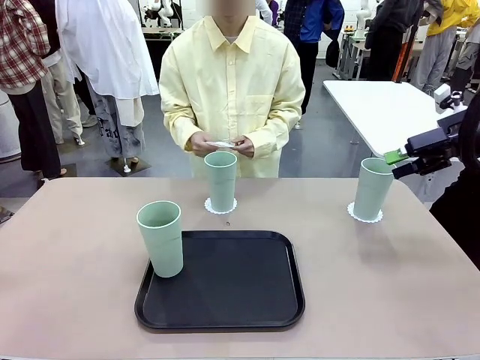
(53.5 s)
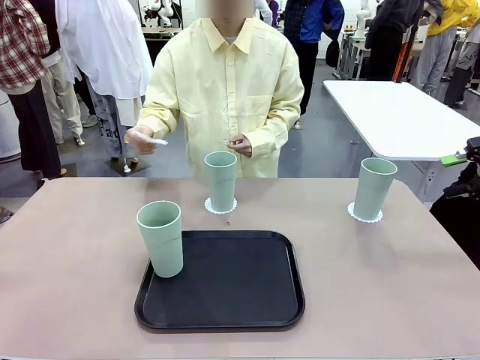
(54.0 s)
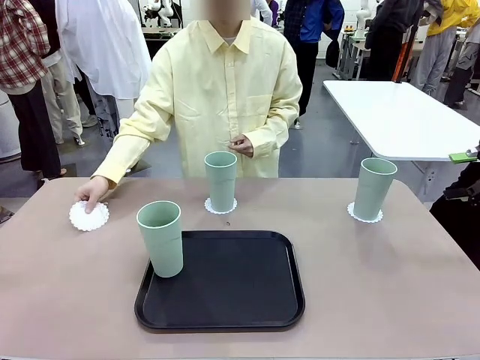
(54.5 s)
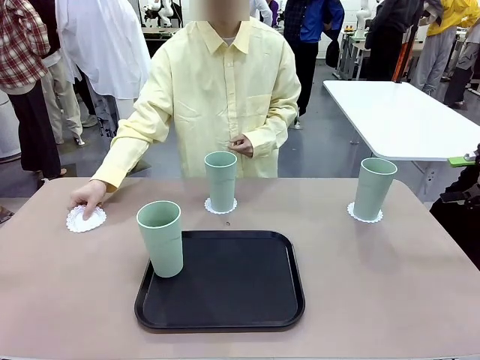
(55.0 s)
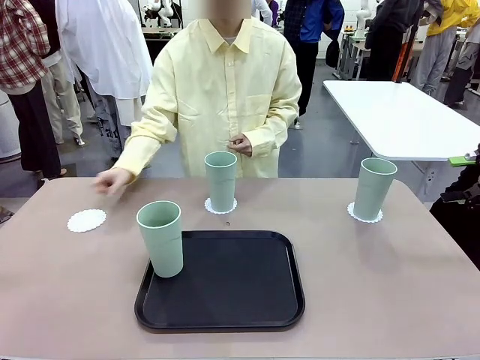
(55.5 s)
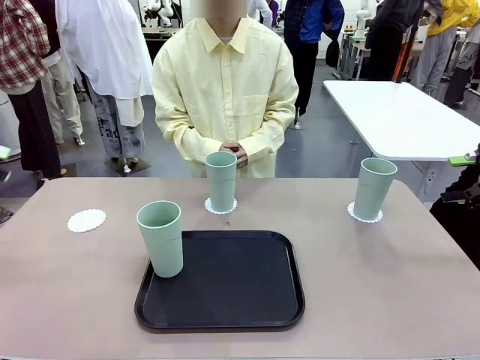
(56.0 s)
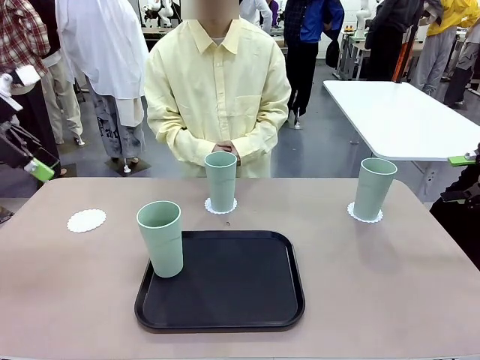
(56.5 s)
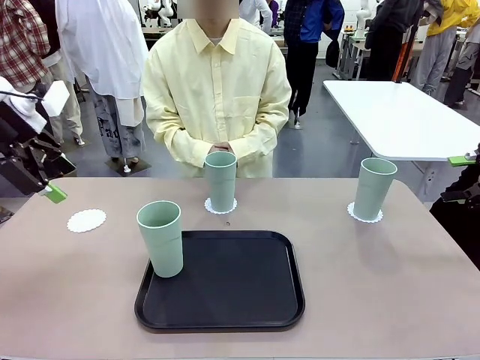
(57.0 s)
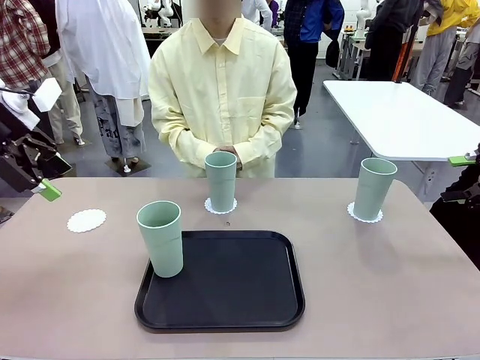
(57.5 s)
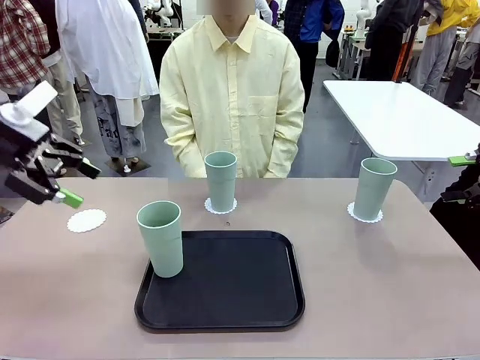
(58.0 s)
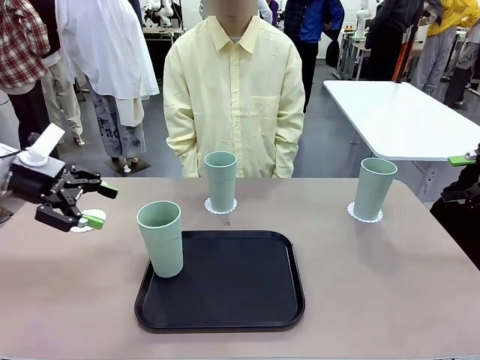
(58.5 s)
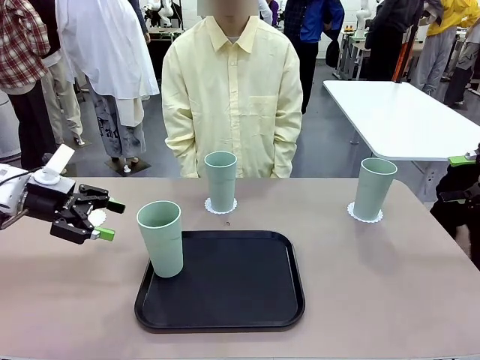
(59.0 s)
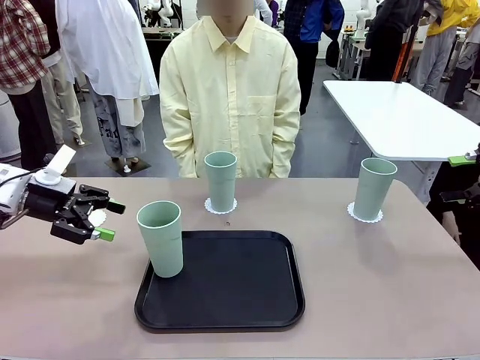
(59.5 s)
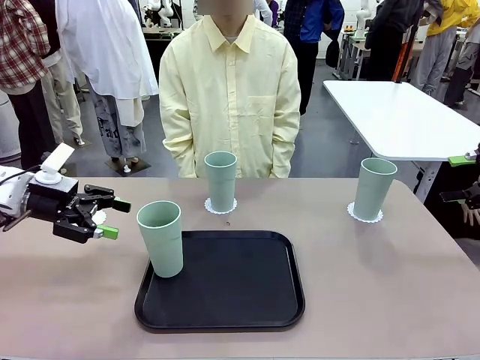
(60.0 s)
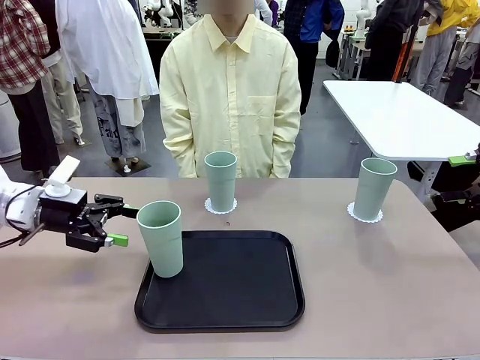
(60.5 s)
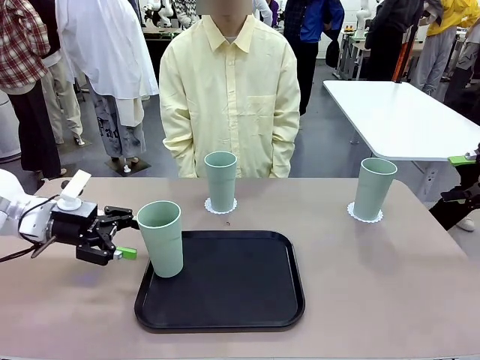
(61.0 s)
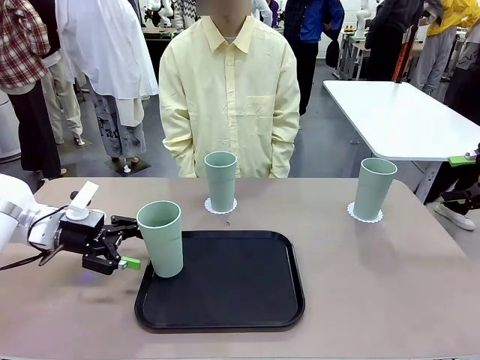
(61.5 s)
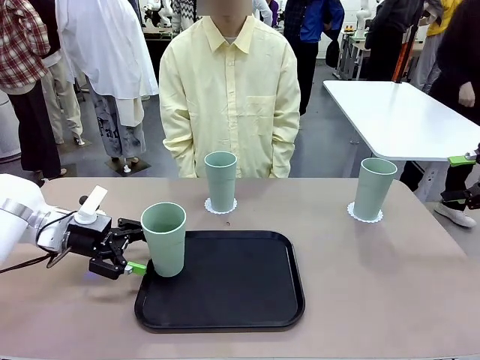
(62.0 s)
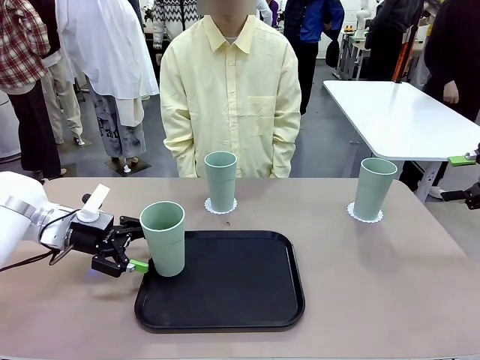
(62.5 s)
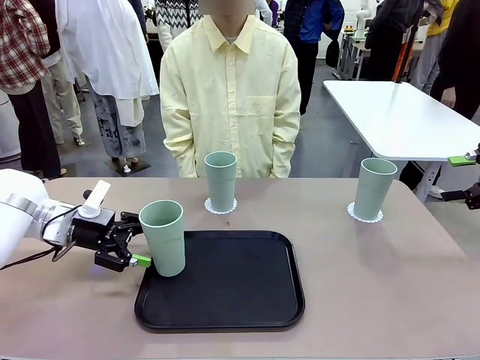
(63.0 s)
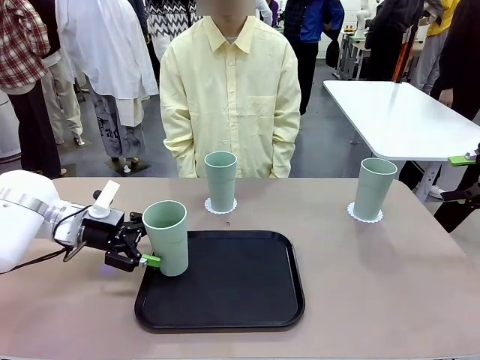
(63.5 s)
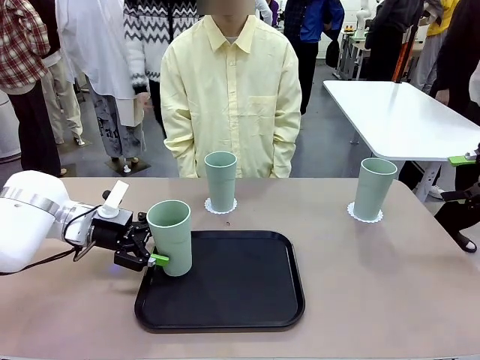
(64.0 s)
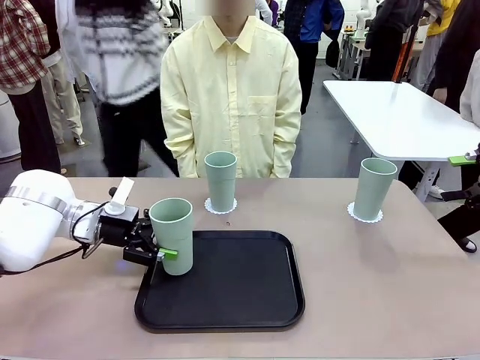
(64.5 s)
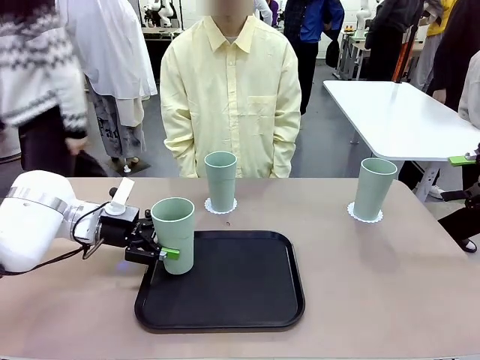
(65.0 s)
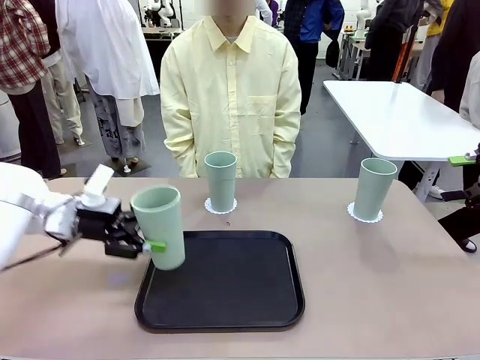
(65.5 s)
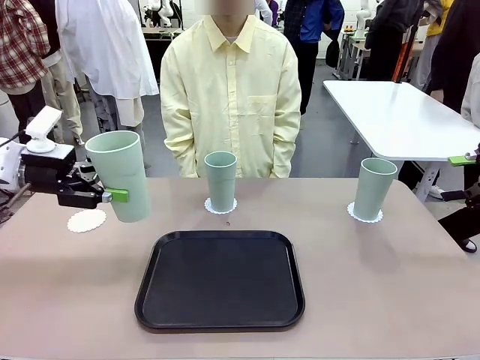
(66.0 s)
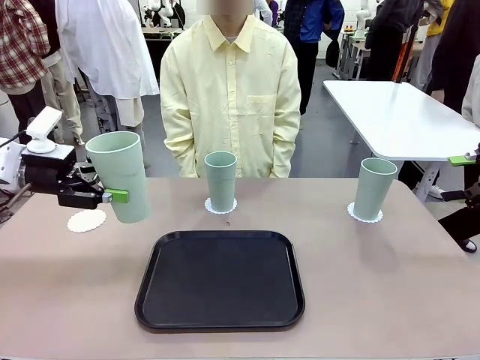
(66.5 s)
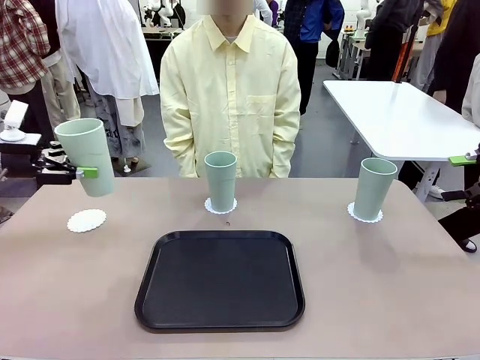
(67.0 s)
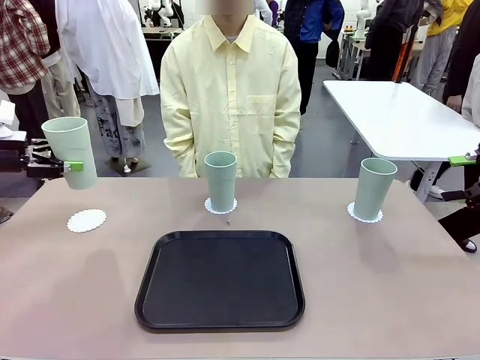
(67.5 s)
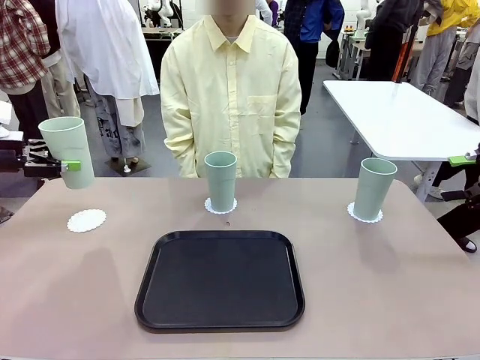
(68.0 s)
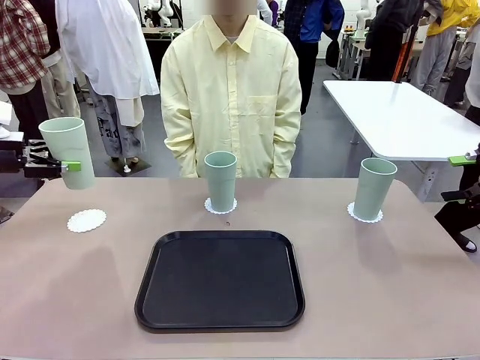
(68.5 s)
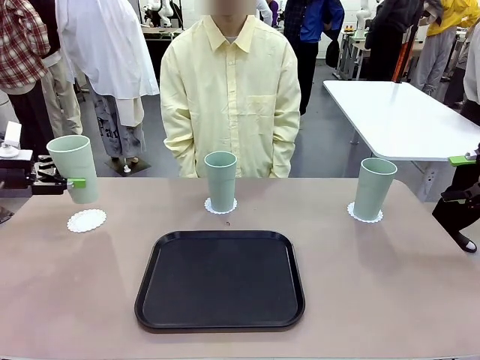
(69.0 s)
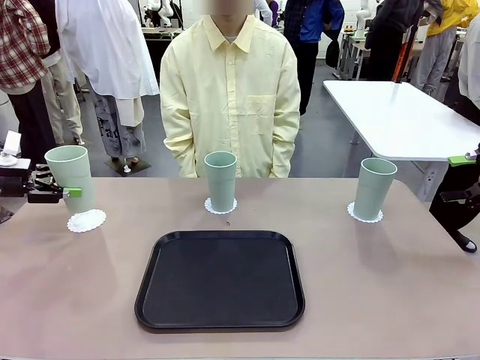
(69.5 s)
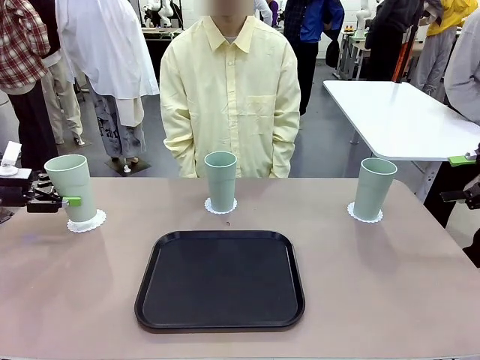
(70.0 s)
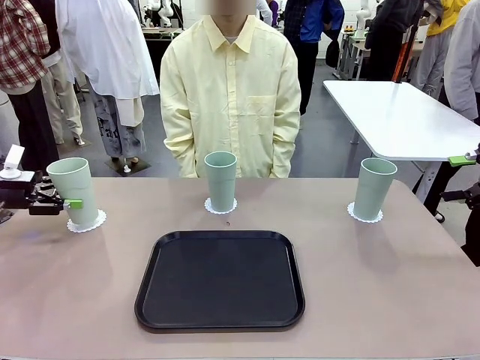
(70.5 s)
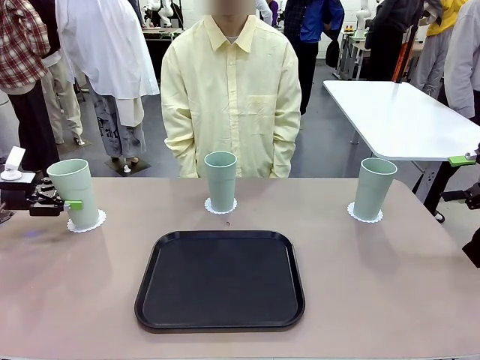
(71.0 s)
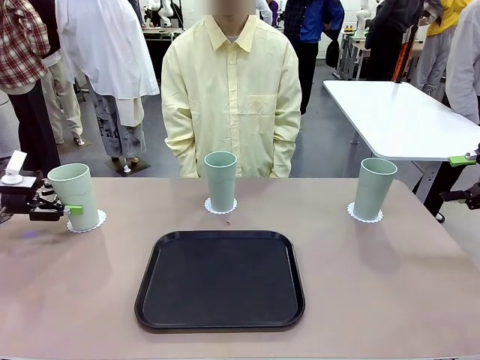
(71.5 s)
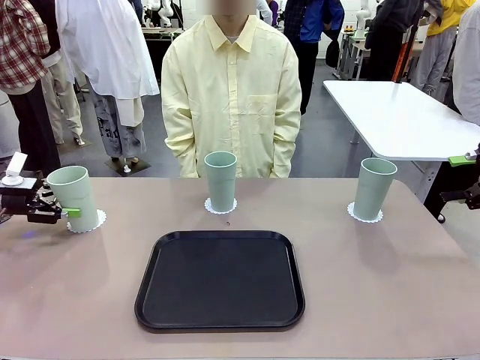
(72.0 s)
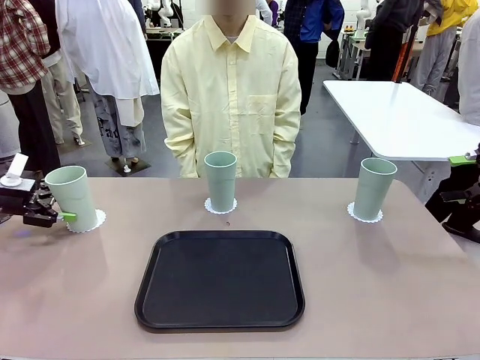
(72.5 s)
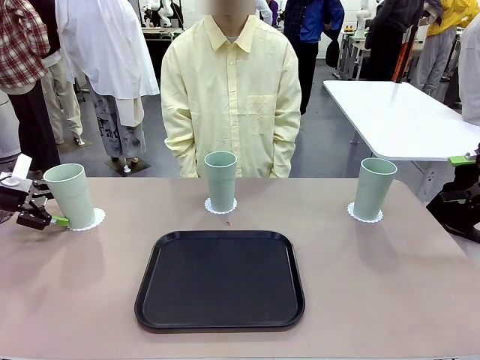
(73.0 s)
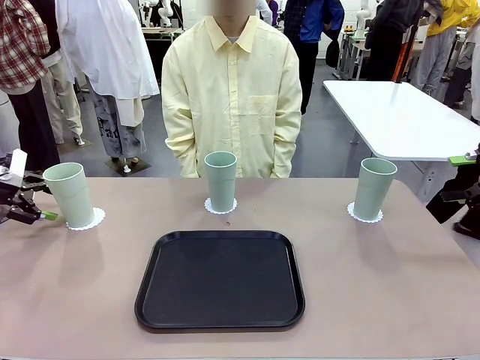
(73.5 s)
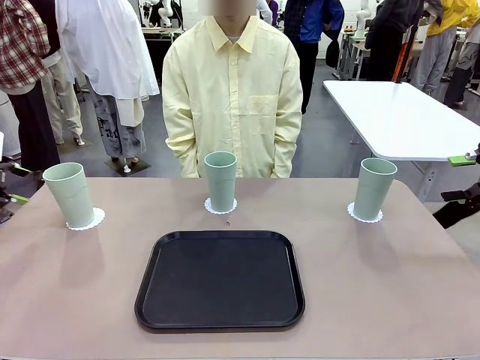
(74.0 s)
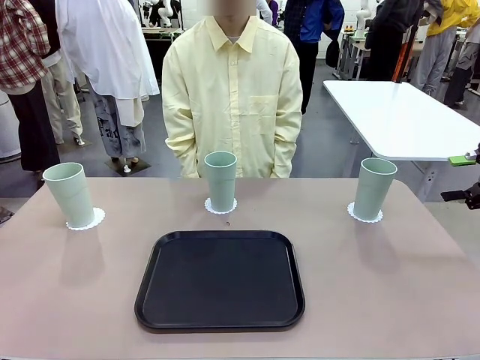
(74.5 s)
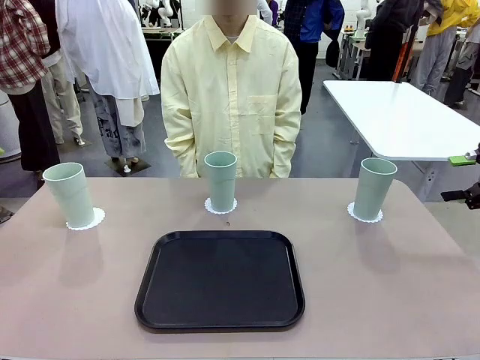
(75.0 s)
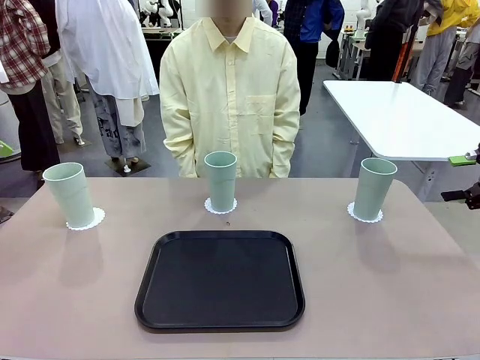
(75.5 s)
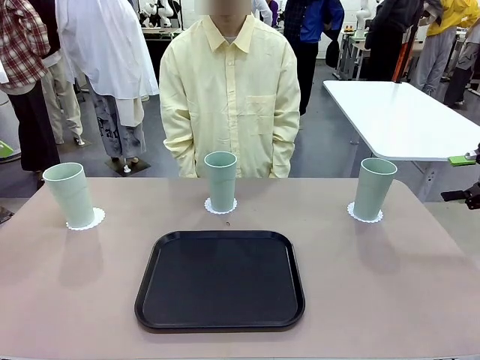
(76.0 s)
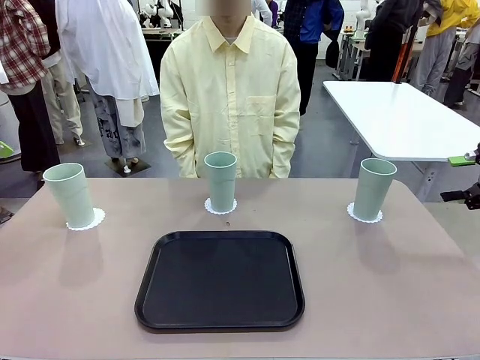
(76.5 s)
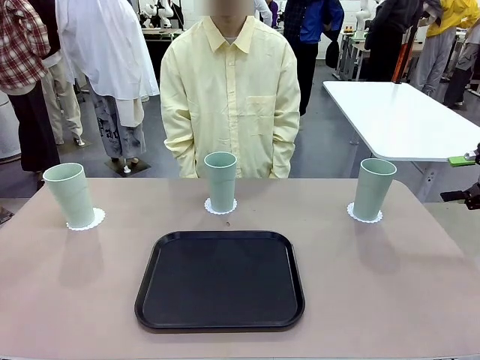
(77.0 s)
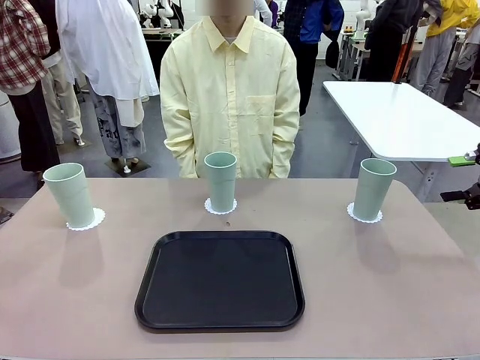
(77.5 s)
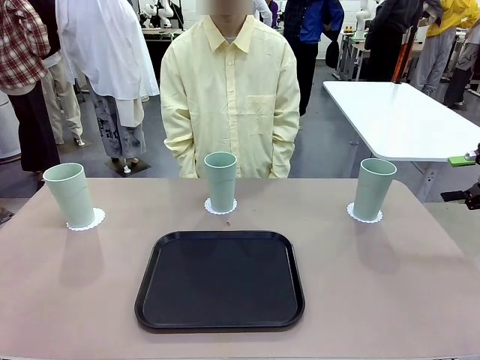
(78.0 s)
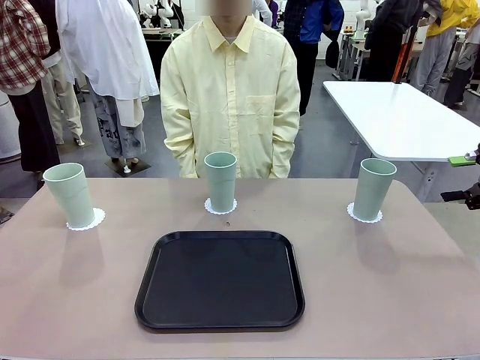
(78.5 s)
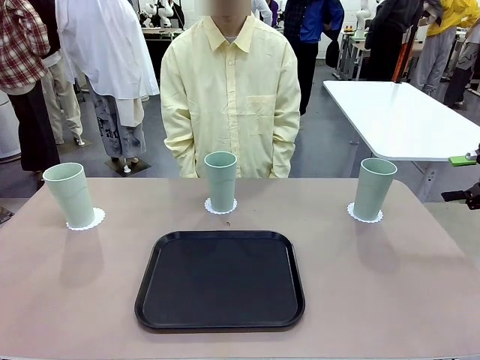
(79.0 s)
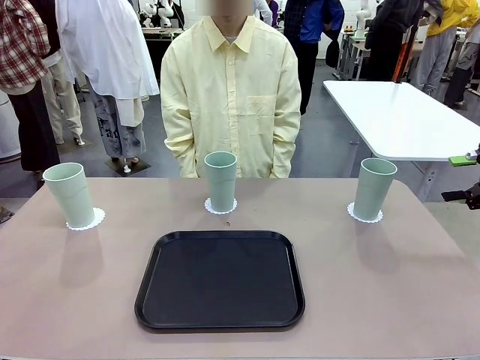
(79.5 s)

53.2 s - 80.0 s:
Task: Place coasters on the table and set cups on them.
Robot: Take one Reusable plastic cup from the Flat Tray and place it on a coaster set by the human.
Person: Place one coaster in the only remaining area.
